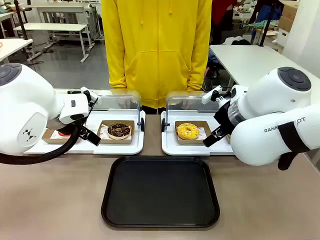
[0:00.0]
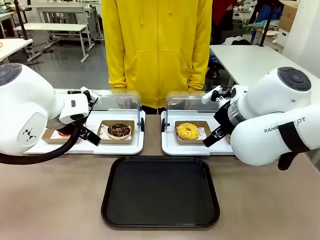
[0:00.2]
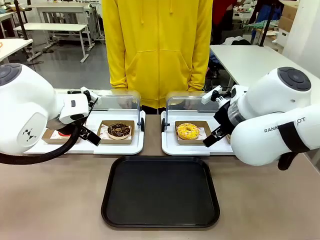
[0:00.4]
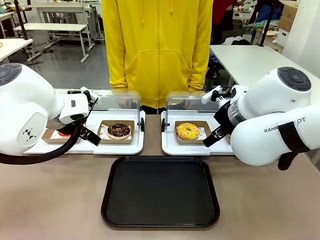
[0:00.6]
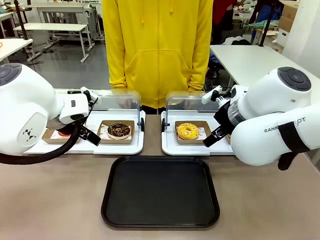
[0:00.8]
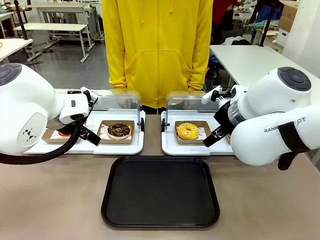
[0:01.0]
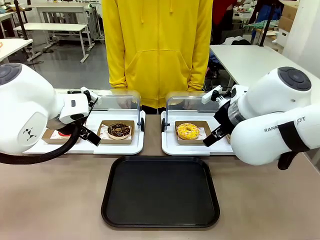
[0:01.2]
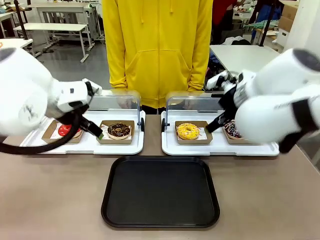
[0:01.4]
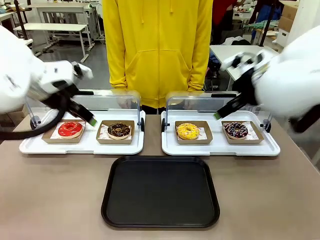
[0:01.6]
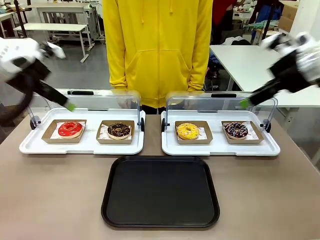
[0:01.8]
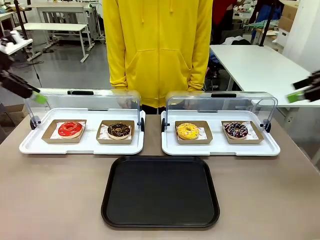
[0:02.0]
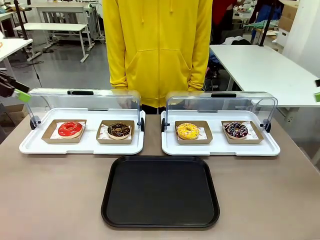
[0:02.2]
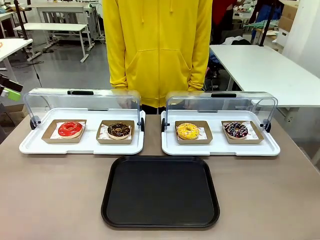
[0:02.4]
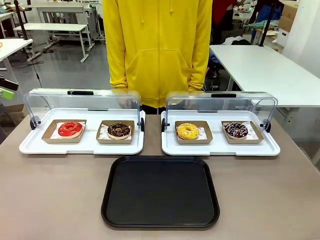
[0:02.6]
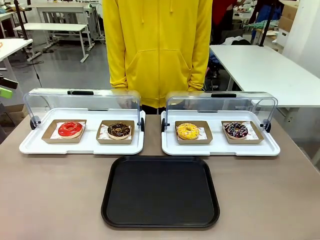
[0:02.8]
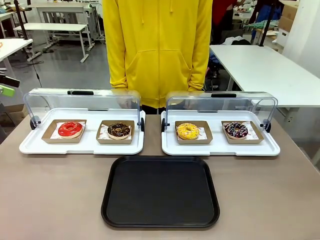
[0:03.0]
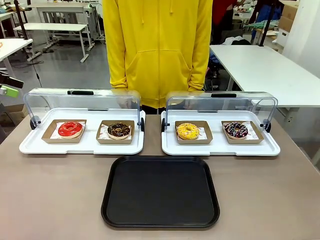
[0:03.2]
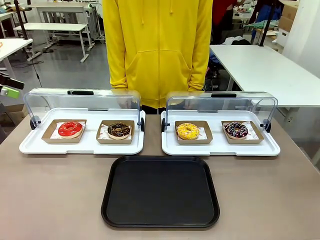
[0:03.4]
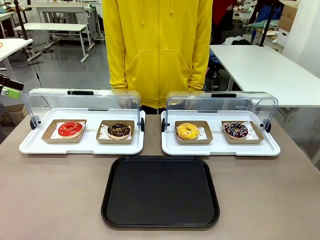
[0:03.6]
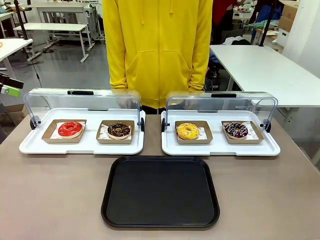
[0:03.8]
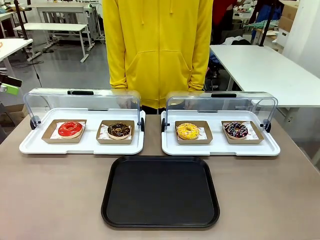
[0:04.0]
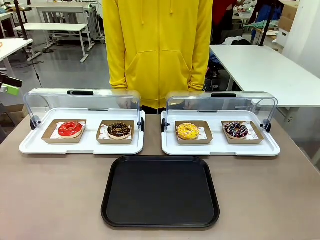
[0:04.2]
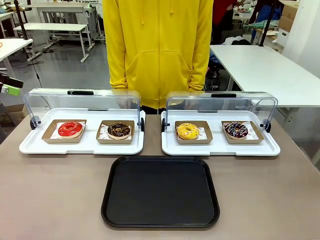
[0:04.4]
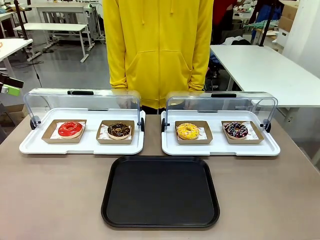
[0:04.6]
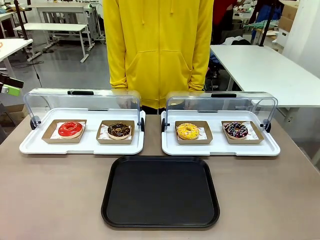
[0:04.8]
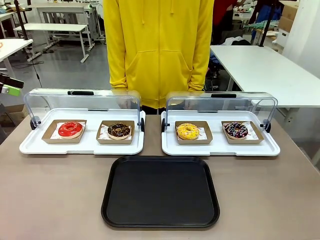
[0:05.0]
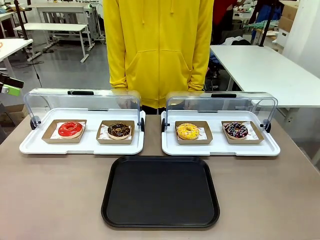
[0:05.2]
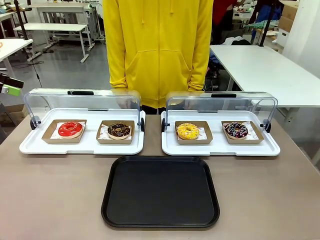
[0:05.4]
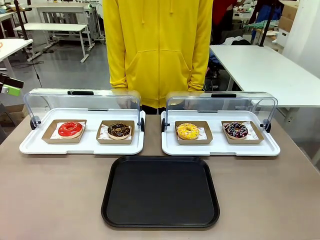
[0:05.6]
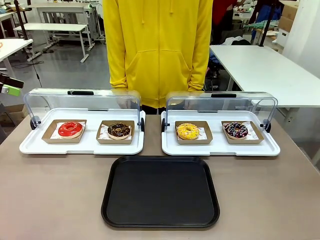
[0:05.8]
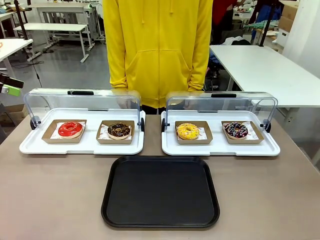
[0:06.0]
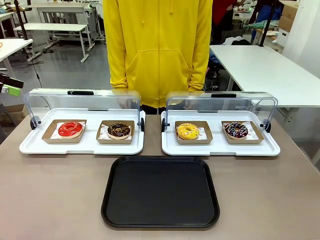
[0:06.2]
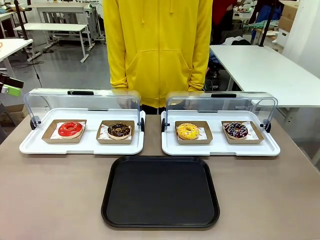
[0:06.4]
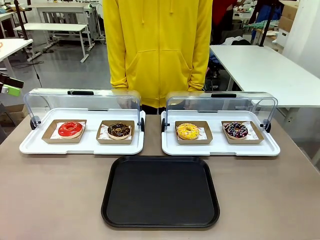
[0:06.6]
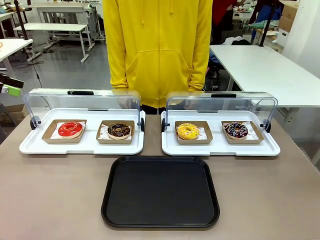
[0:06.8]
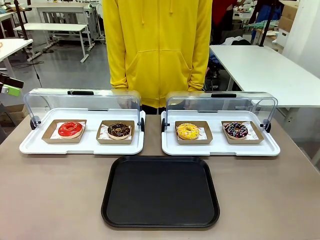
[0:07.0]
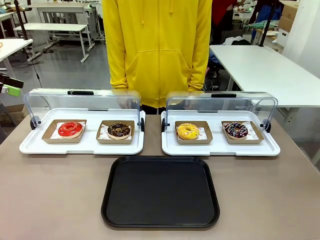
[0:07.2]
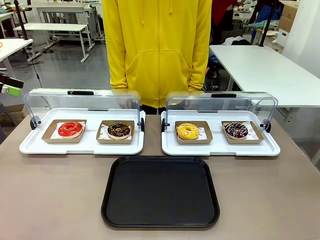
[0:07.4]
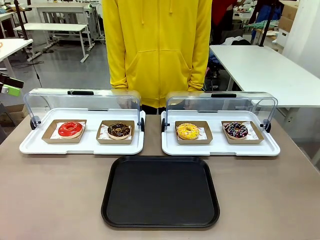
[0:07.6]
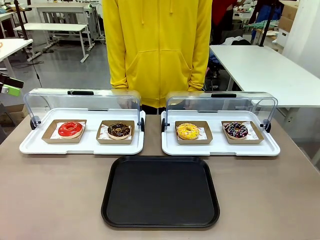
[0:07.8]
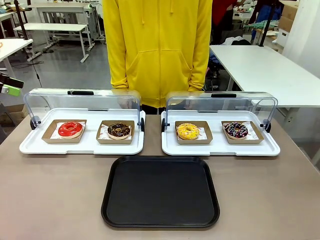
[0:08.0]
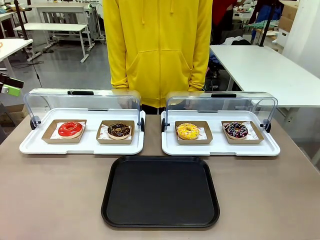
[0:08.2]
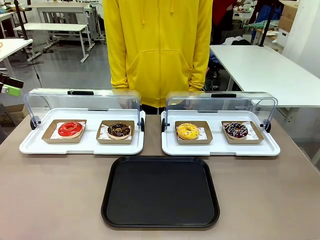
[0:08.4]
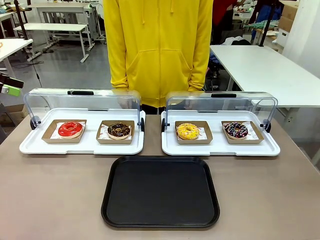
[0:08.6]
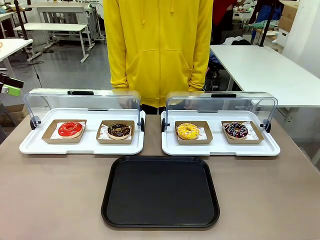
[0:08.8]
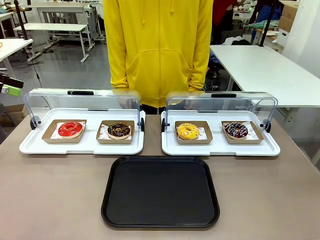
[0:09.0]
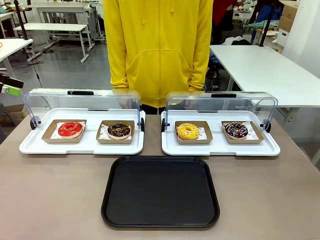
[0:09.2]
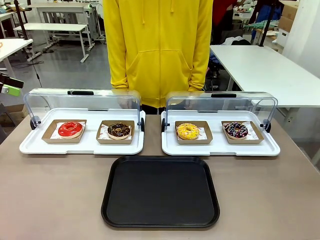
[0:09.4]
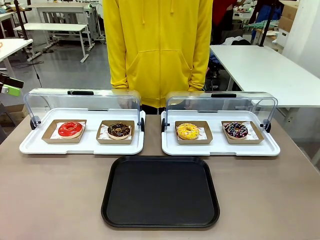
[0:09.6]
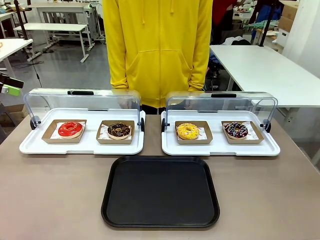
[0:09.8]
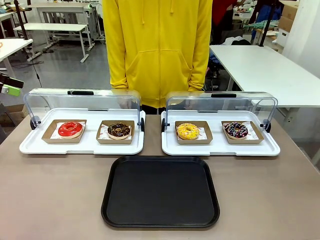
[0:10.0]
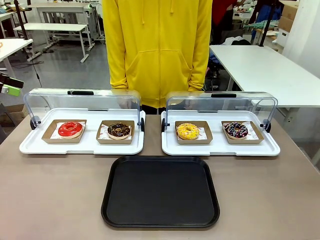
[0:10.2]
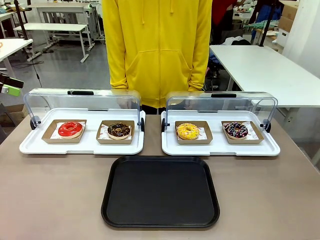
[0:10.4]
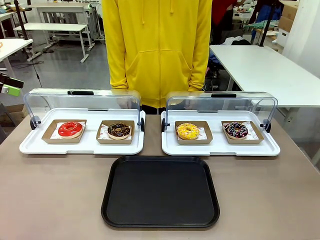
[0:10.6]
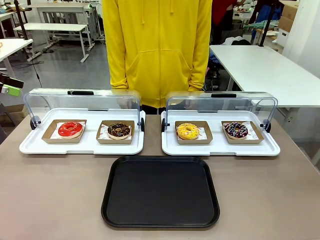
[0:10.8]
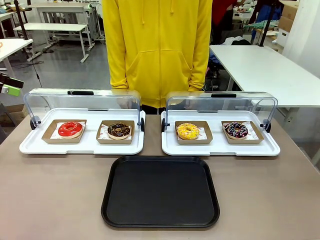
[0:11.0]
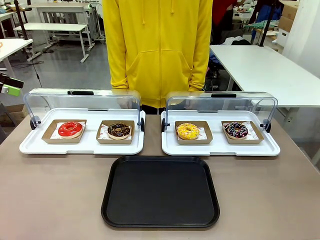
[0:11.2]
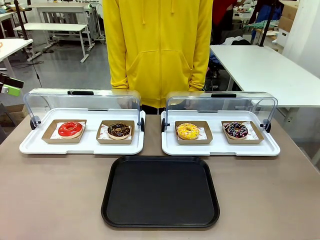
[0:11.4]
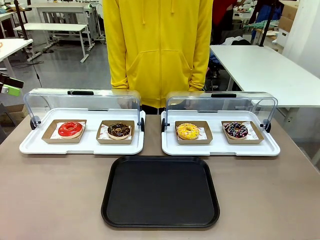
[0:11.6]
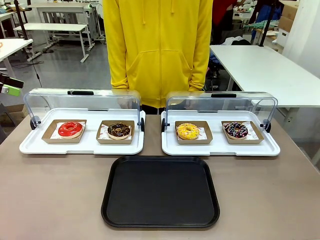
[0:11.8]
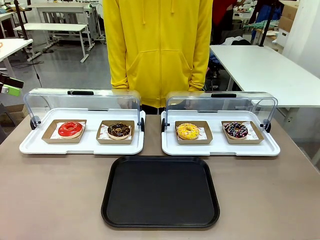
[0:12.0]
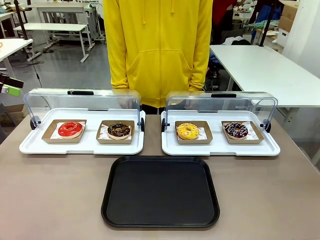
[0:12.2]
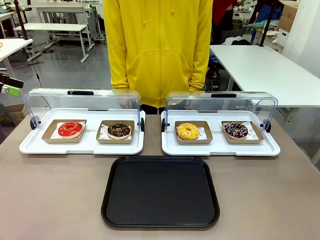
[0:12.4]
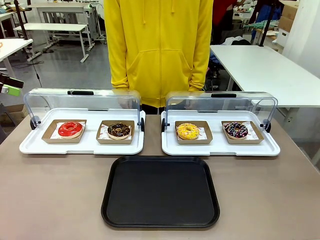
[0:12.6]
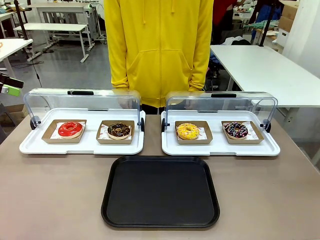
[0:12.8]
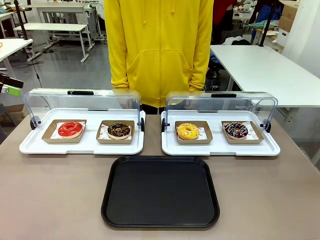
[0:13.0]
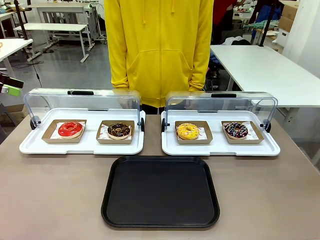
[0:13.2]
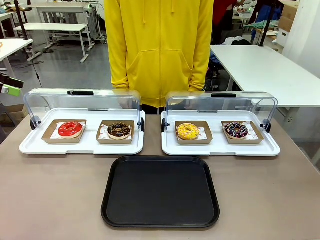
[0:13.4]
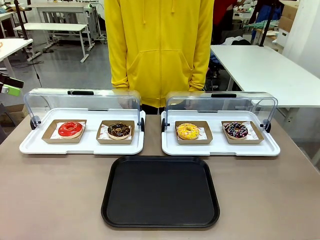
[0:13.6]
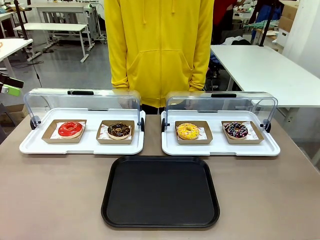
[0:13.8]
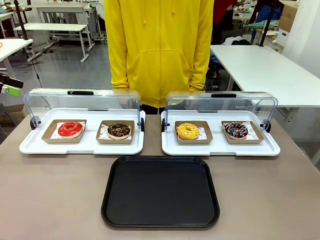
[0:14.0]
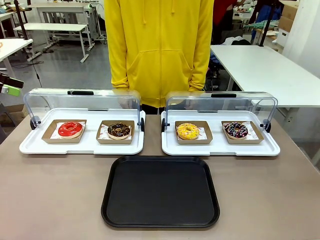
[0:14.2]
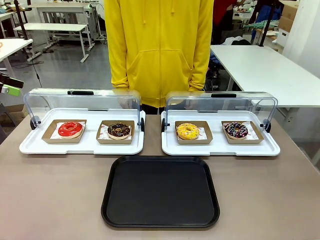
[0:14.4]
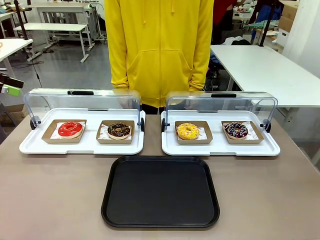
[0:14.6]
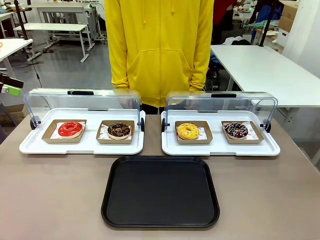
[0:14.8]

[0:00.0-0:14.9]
Task: Move the second donut from the left to the tray.
Robot: Pick up the Paper togo box containing the Donut indicated by the person and place it on the Handle tray.
